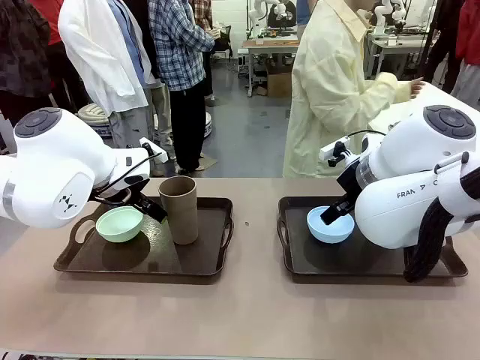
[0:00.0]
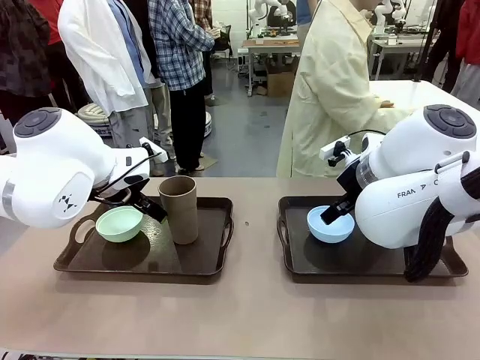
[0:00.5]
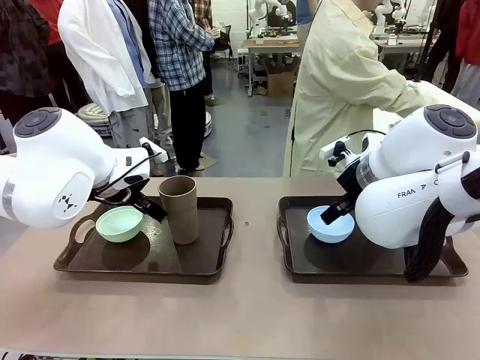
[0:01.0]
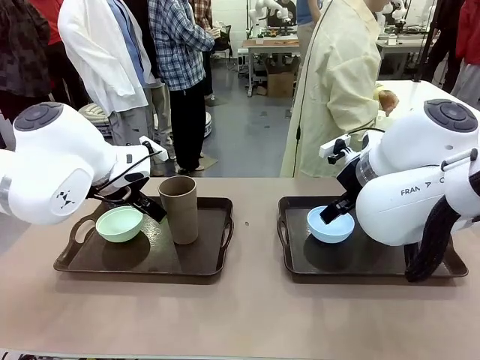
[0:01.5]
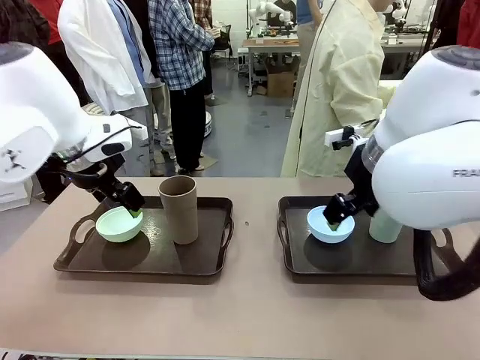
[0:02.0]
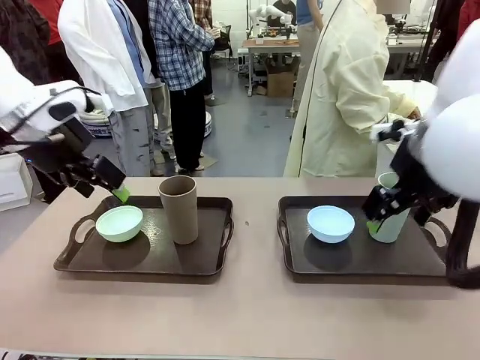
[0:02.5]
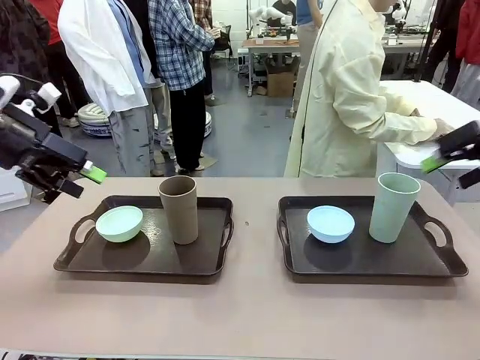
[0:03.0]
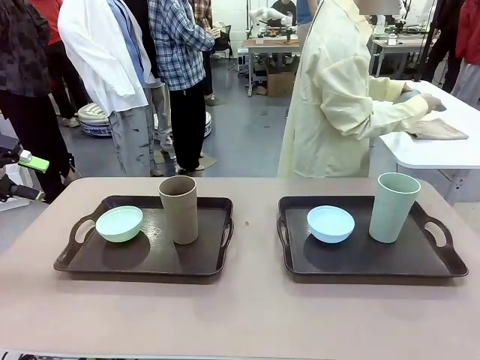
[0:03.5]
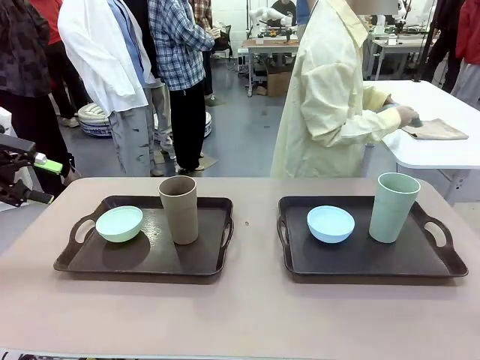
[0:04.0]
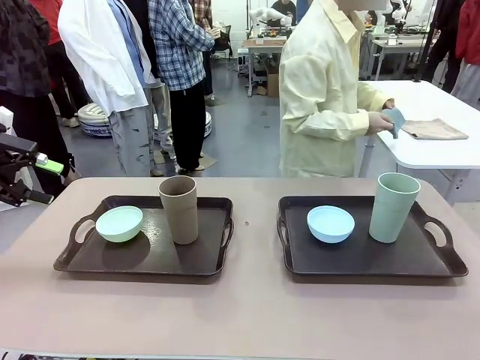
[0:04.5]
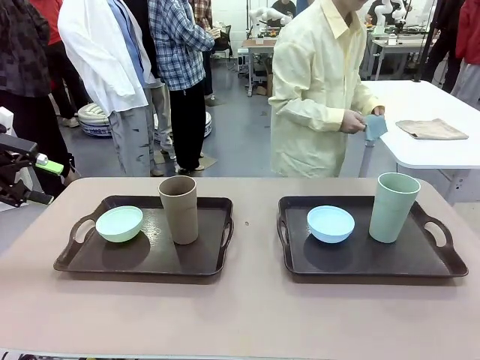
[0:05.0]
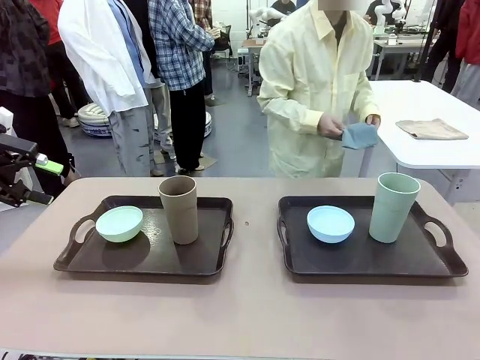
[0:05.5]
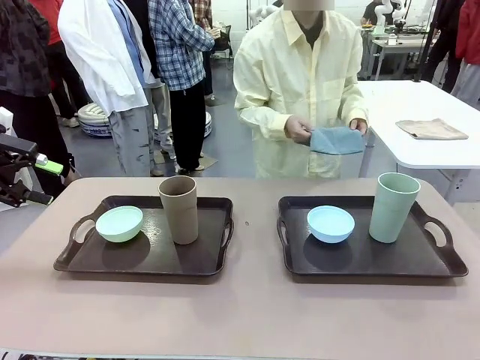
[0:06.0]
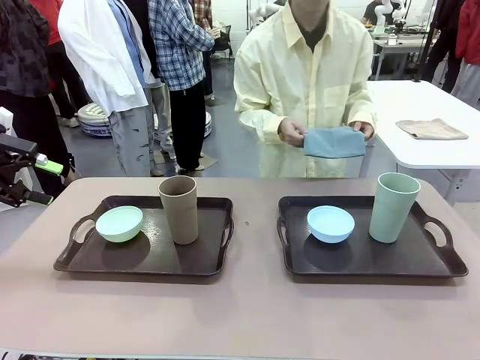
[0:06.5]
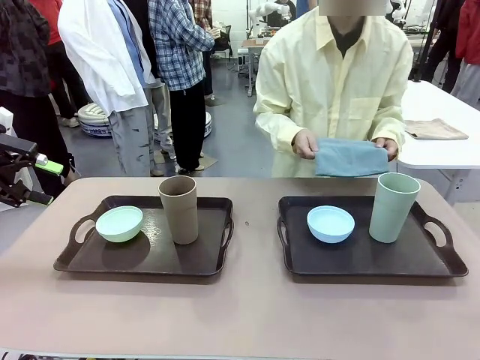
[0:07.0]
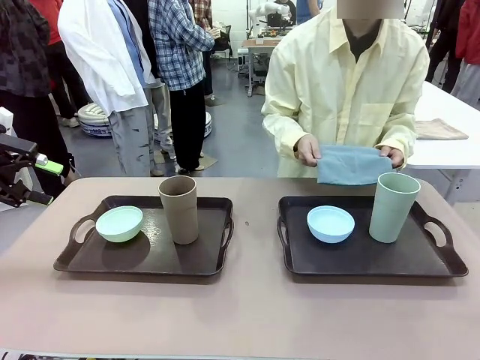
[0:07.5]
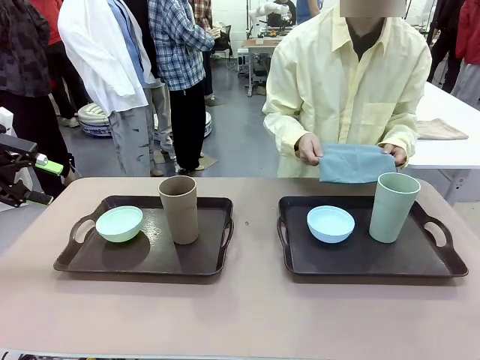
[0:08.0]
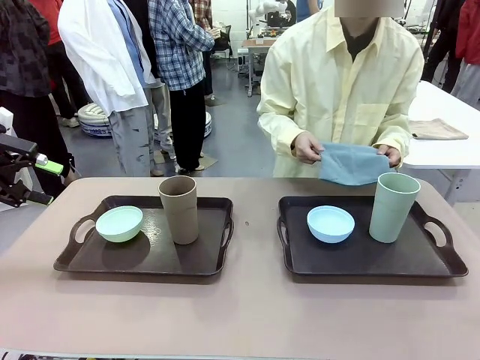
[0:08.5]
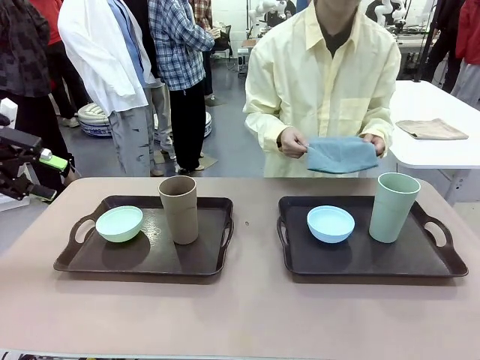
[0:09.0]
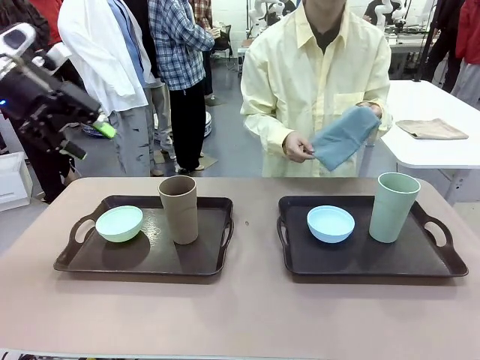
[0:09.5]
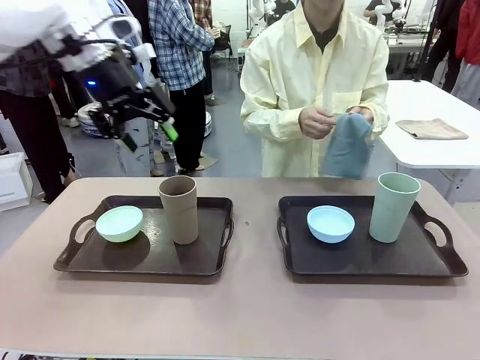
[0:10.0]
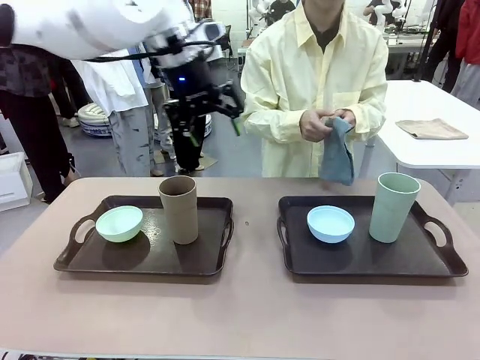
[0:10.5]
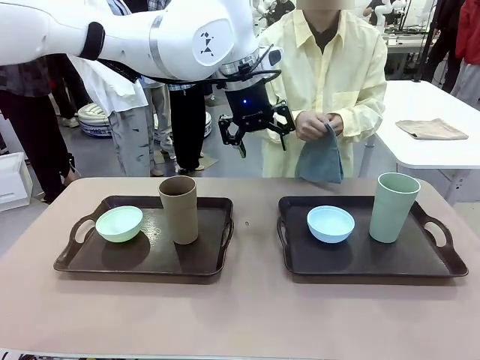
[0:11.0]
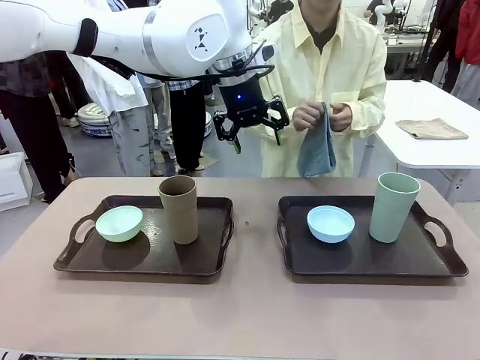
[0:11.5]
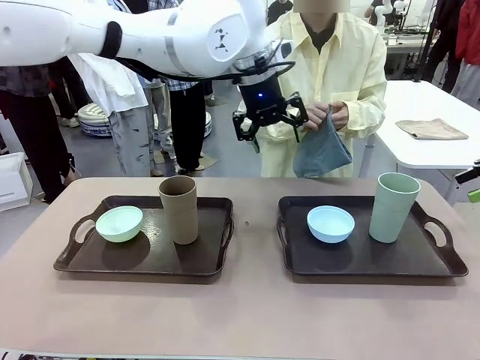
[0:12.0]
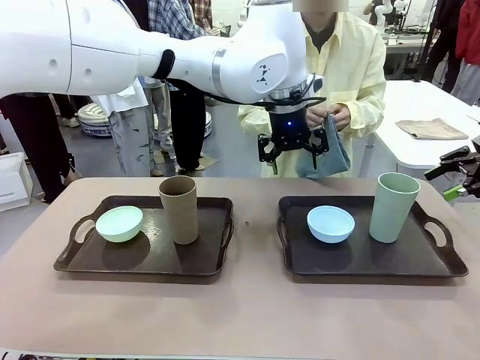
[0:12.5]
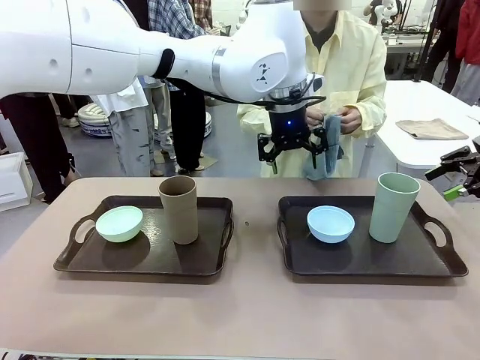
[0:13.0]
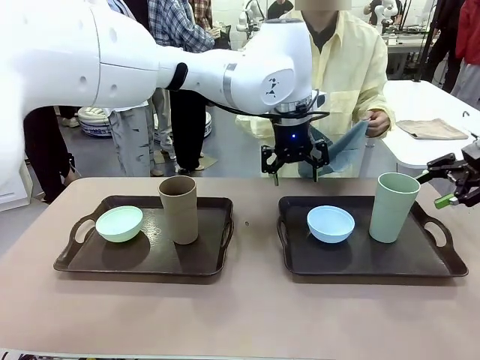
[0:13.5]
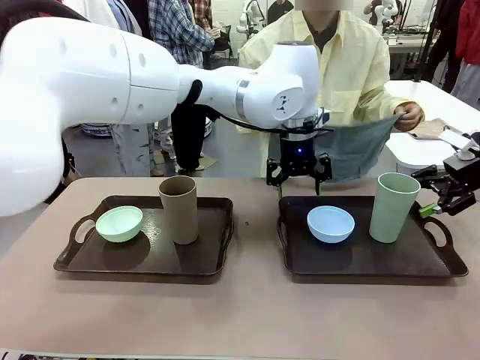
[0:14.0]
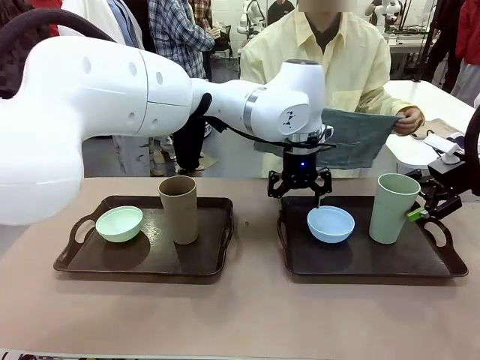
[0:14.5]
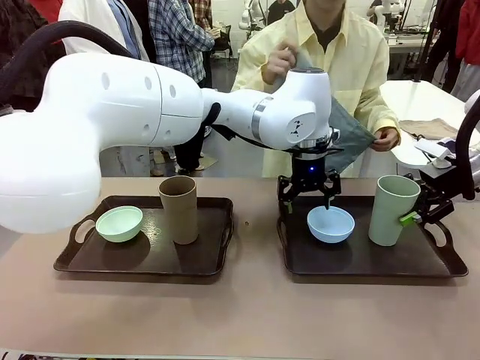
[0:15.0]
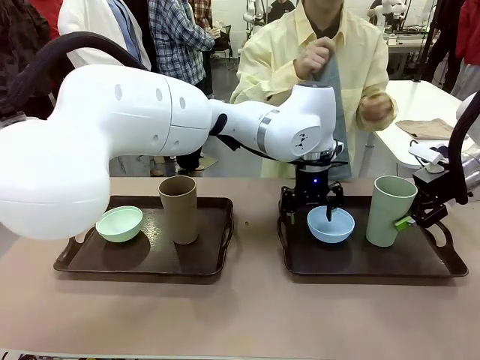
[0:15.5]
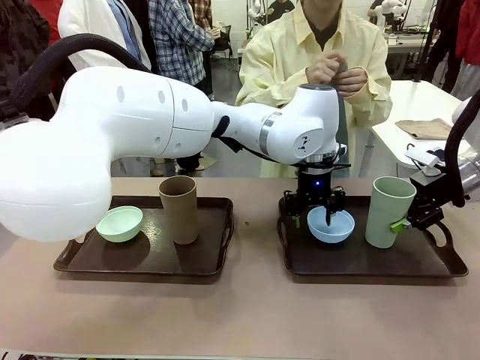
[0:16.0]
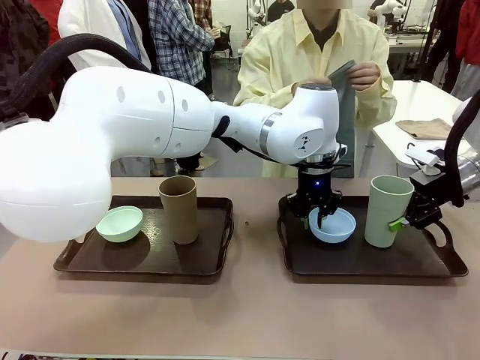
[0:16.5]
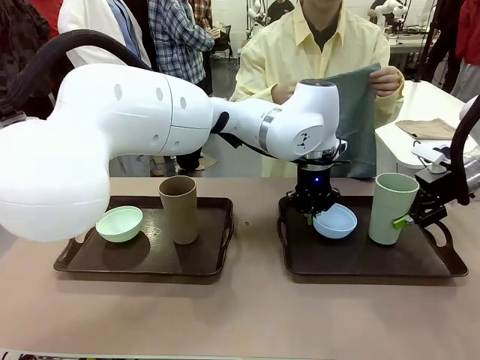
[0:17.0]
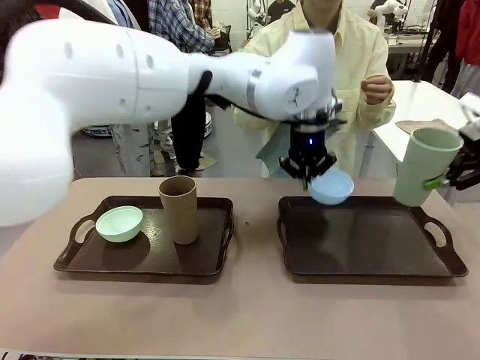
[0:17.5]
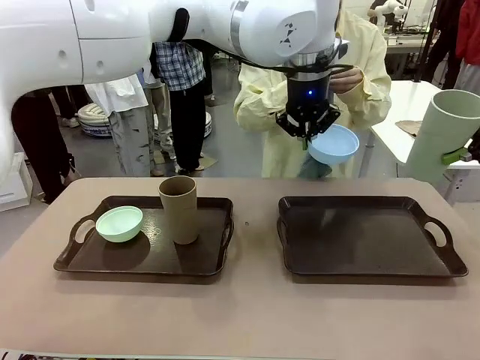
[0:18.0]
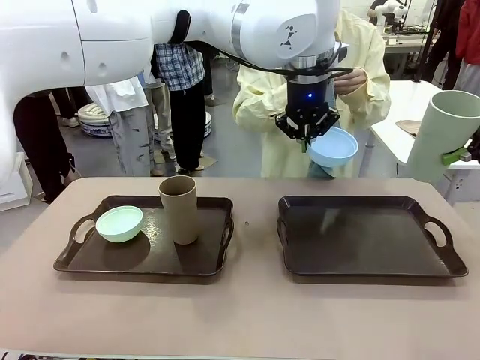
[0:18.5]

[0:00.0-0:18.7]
Robot: Pick up the Picnic Bowl and Reusable plastic cup from the Handle tray in front of the human's position and hold them in the air.
Person: The human picks up the top napkin from the stack on the human table and walks to the robot table to stand in front of one of the two trays. When the robot lifts the bowl and the cup, the human unfolds the napkin and lays the napkin flat on the tray.

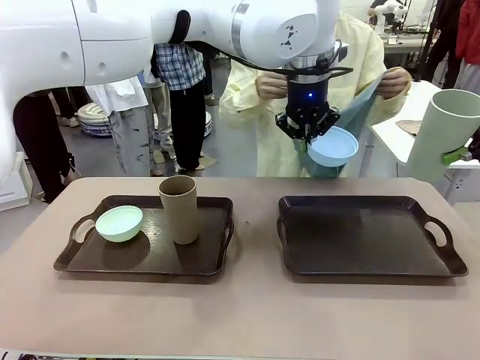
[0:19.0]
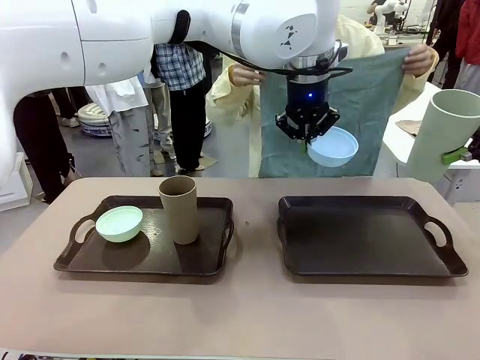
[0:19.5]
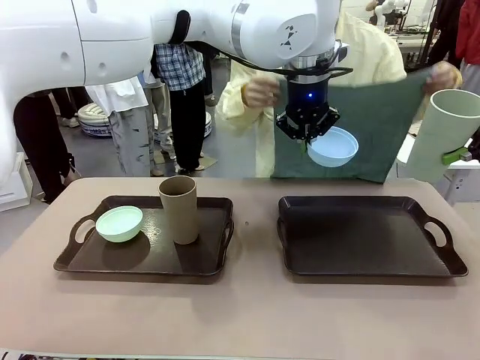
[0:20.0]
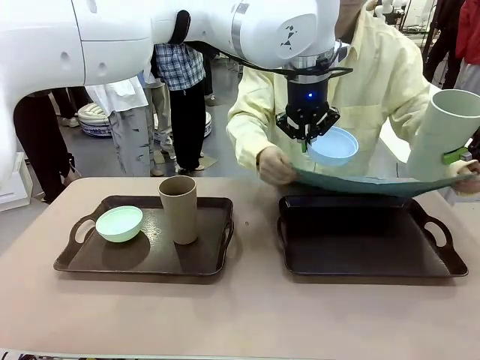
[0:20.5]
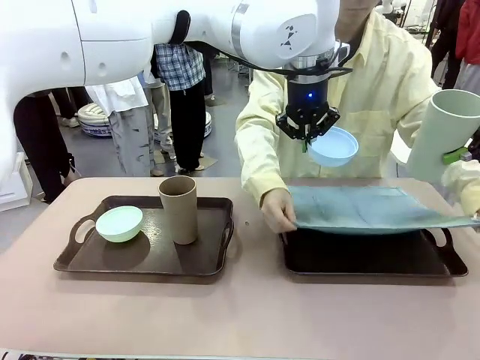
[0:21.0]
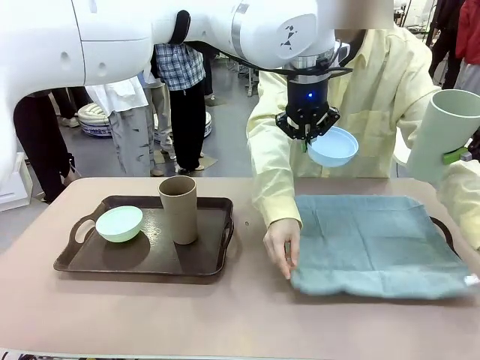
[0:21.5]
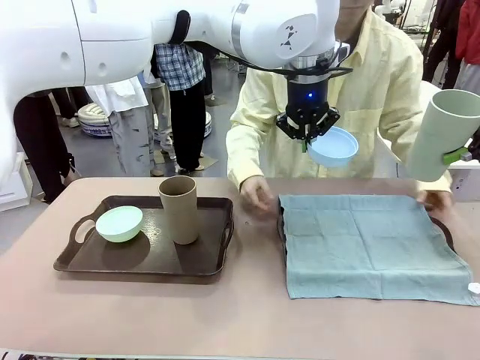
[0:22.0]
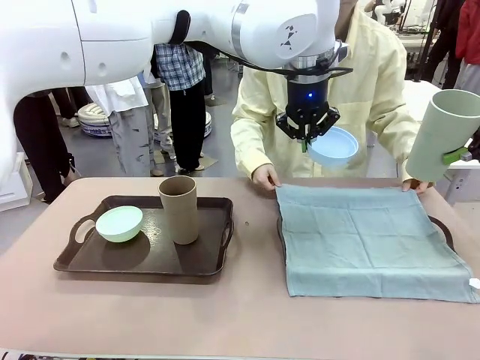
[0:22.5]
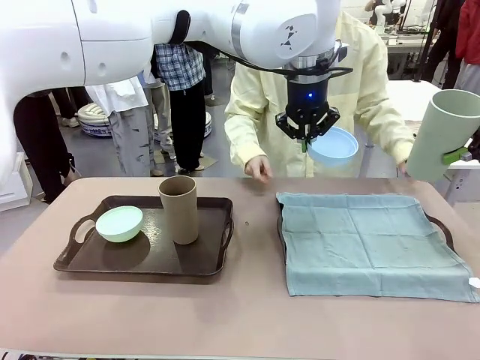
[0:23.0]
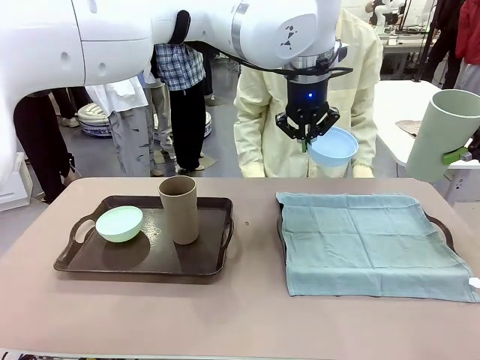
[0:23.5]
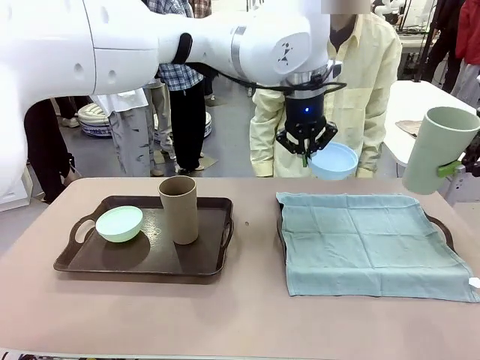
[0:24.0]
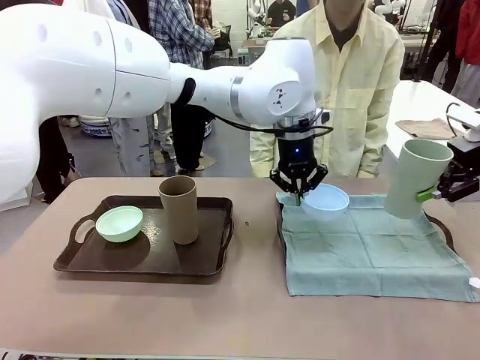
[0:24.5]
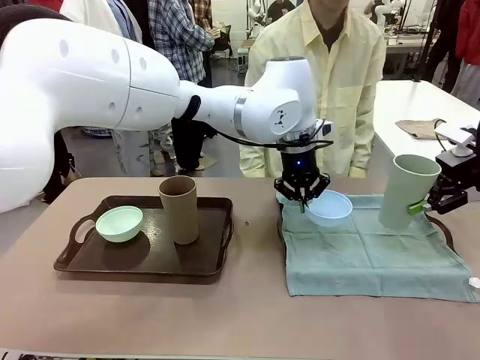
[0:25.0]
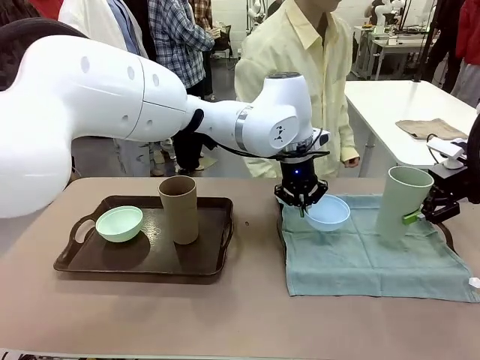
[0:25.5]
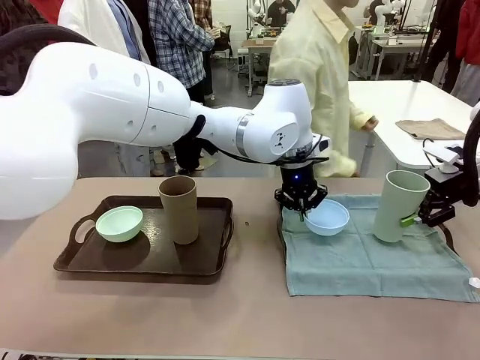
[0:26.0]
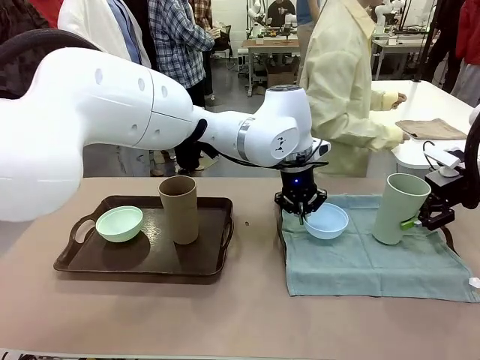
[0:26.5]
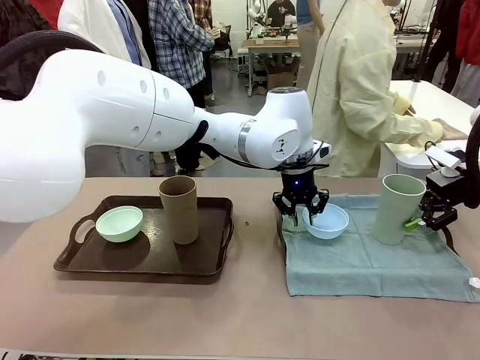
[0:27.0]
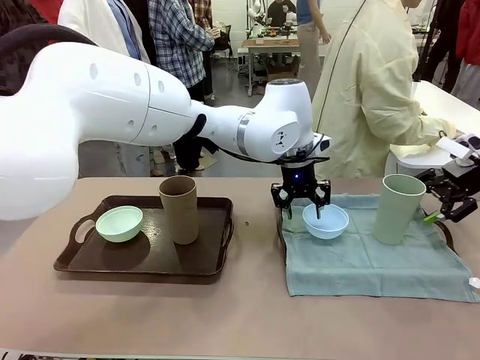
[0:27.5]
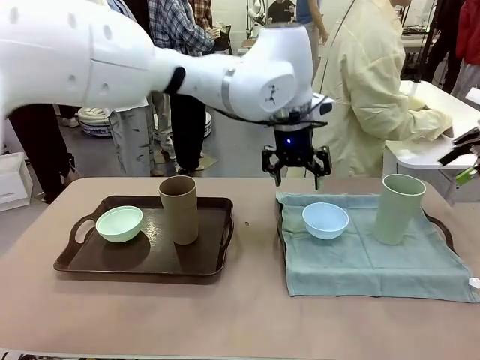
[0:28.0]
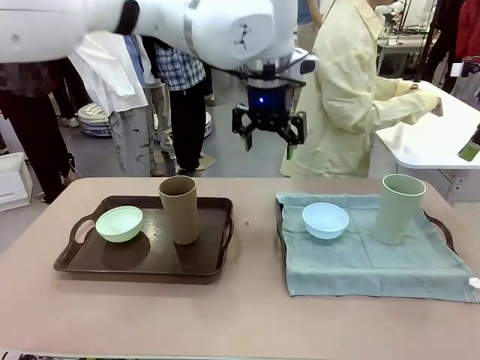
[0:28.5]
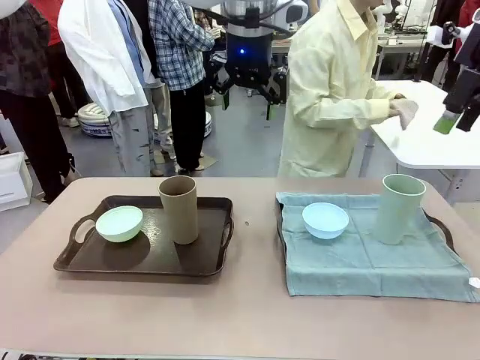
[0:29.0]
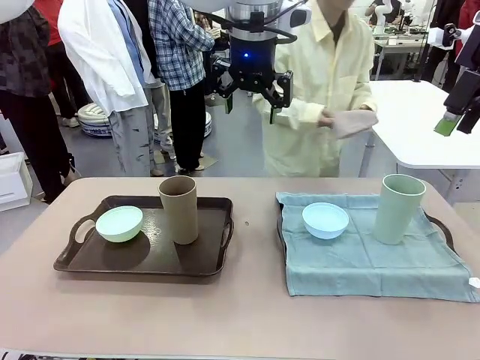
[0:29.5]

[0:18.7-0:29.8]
Robot: Place the Picnic Bowl and Reusable plastic cup back onto the Handle tray in front of the human's position.
Person: The human returns to the human table to pick up another napkin and walks to the robot table to stand in front of the tray without a napkin.
